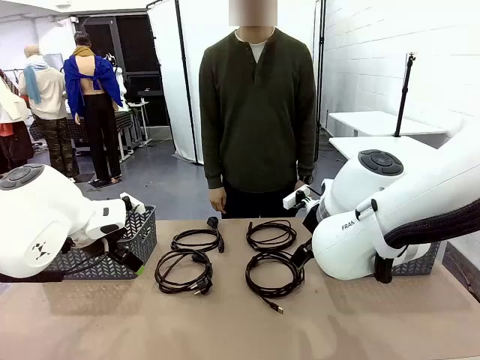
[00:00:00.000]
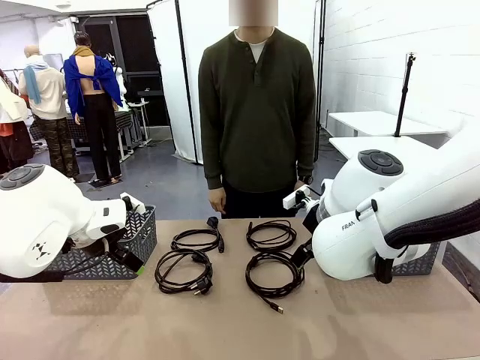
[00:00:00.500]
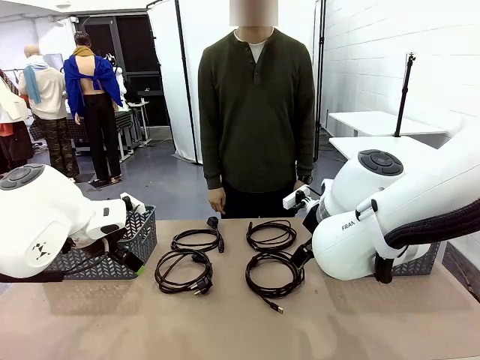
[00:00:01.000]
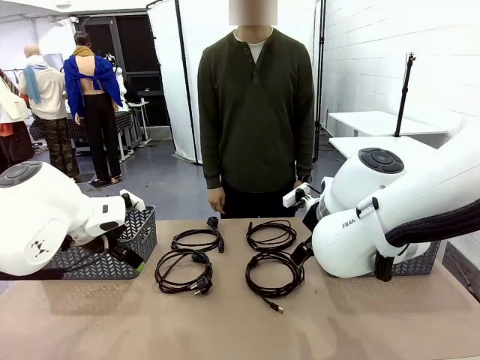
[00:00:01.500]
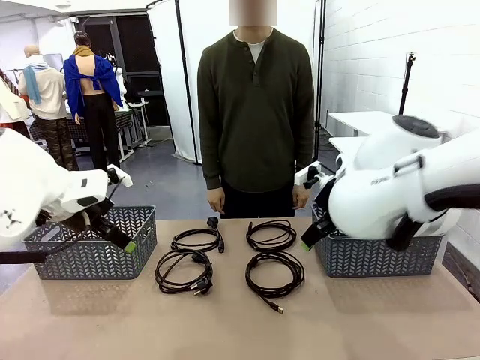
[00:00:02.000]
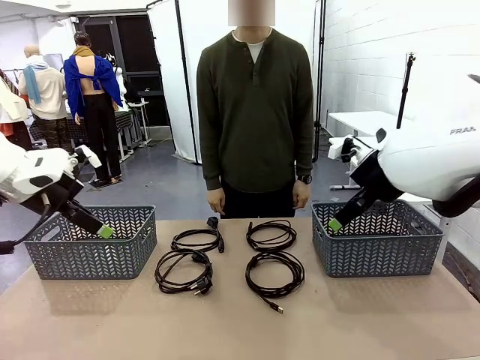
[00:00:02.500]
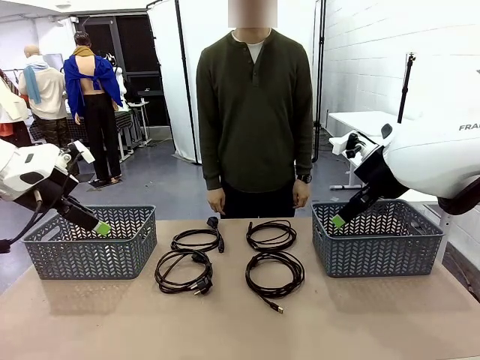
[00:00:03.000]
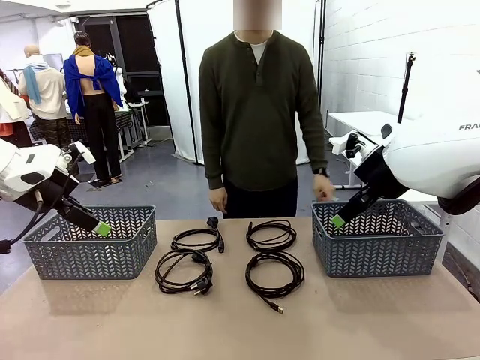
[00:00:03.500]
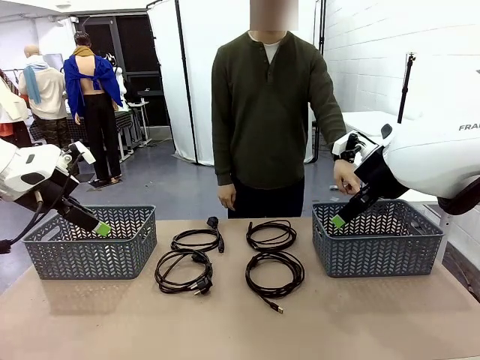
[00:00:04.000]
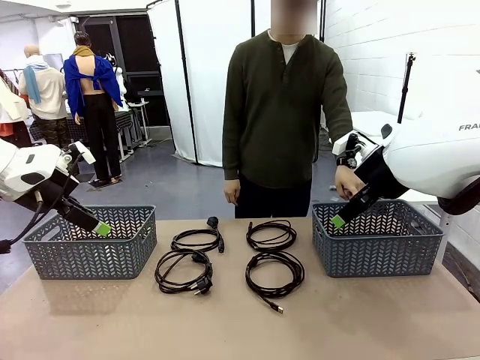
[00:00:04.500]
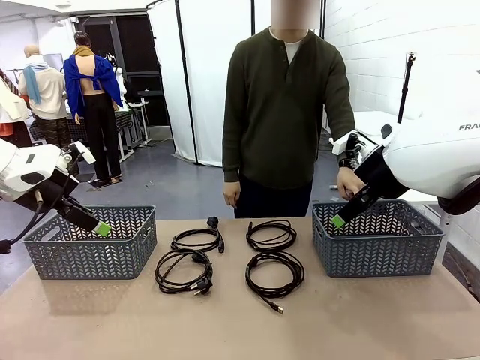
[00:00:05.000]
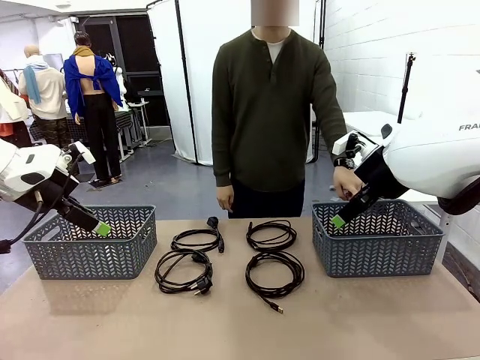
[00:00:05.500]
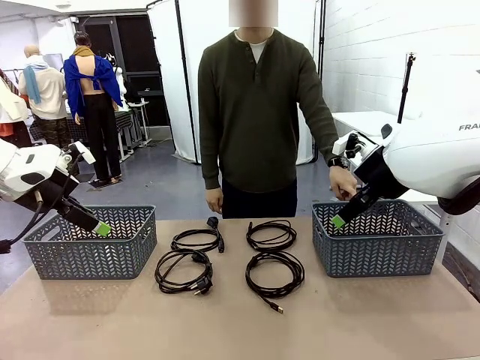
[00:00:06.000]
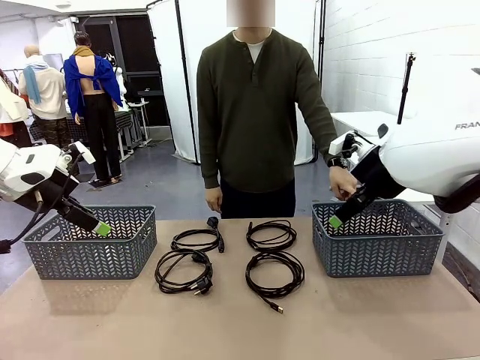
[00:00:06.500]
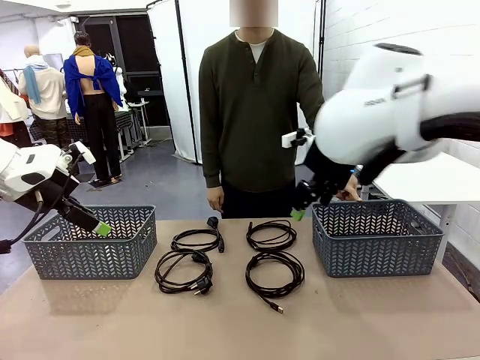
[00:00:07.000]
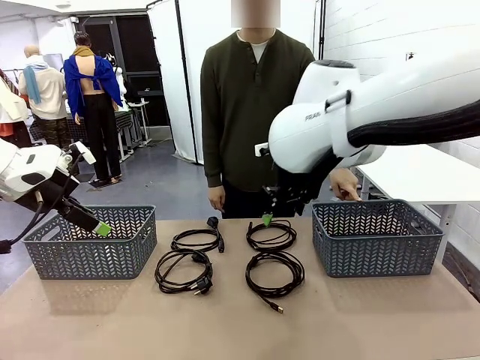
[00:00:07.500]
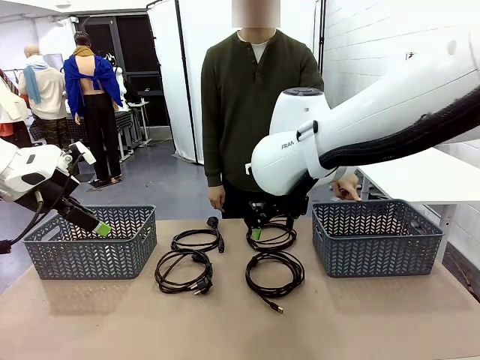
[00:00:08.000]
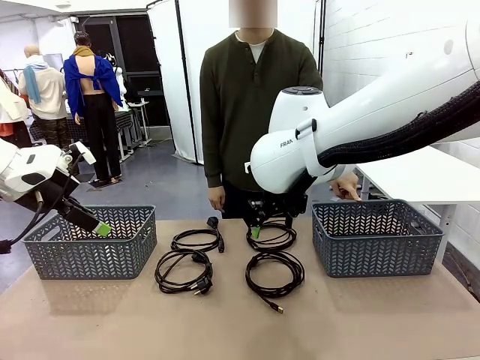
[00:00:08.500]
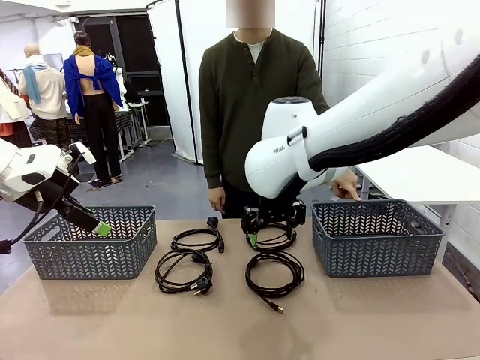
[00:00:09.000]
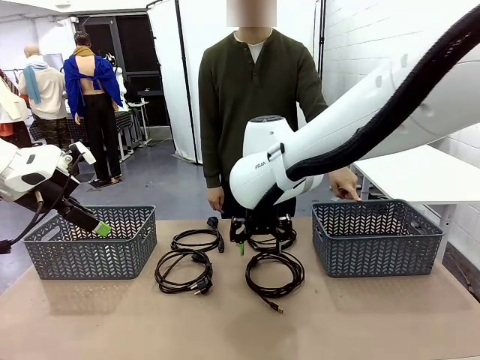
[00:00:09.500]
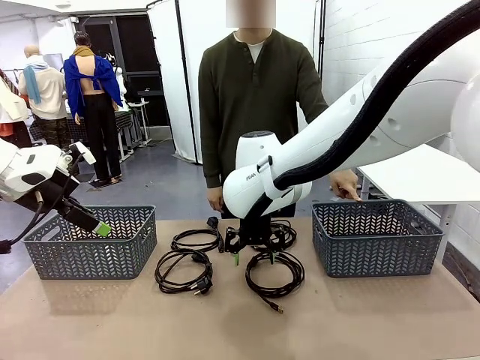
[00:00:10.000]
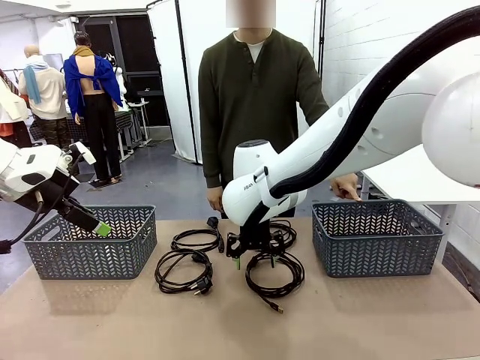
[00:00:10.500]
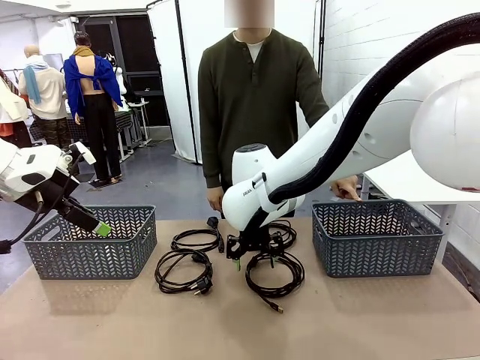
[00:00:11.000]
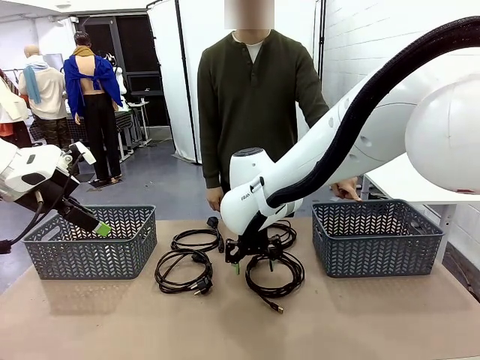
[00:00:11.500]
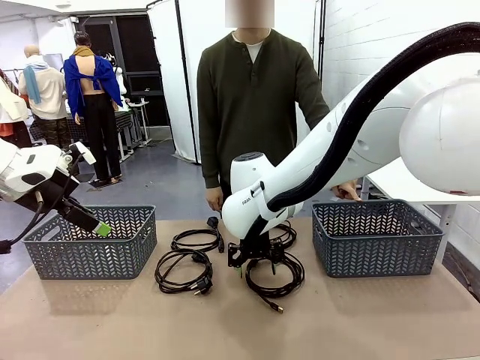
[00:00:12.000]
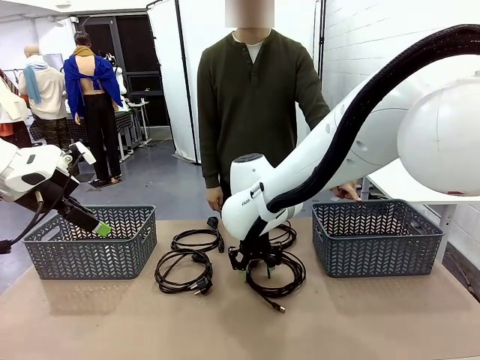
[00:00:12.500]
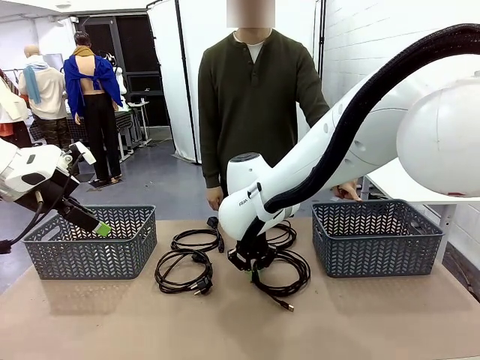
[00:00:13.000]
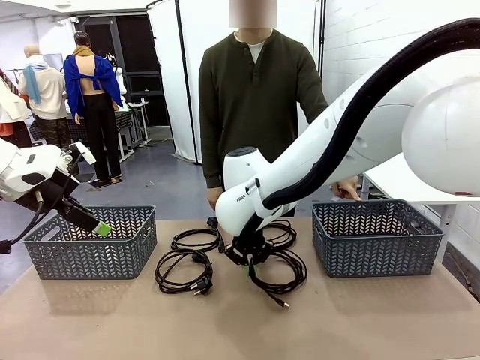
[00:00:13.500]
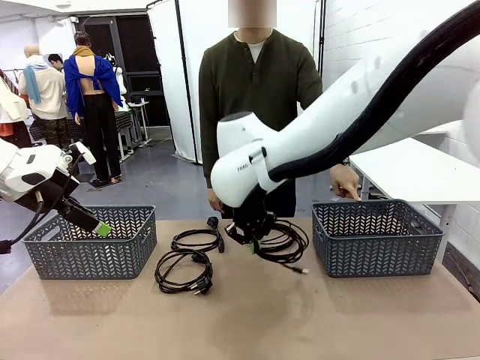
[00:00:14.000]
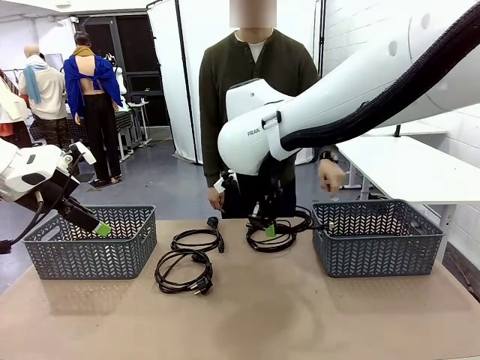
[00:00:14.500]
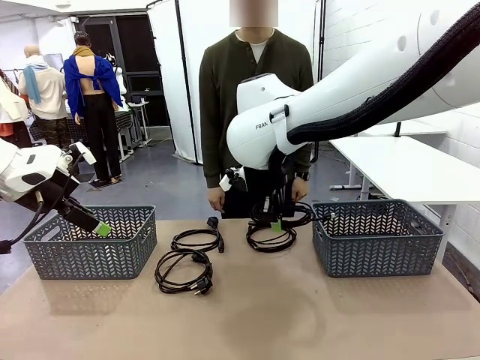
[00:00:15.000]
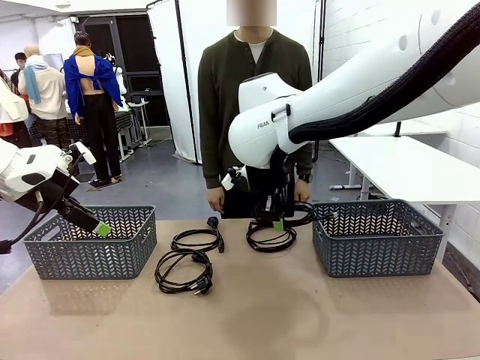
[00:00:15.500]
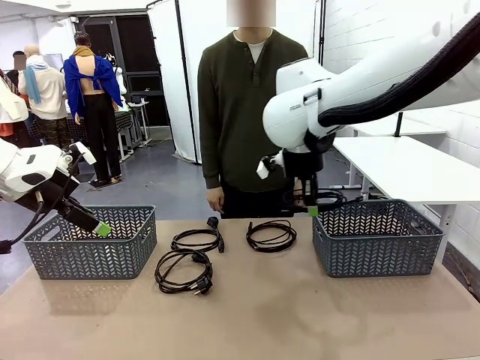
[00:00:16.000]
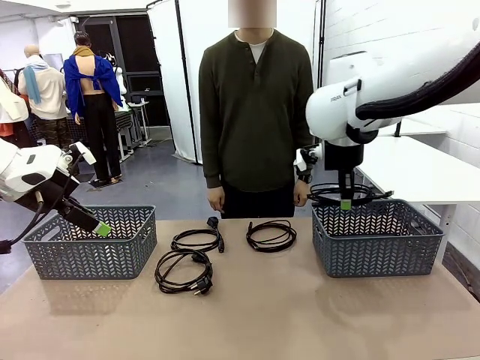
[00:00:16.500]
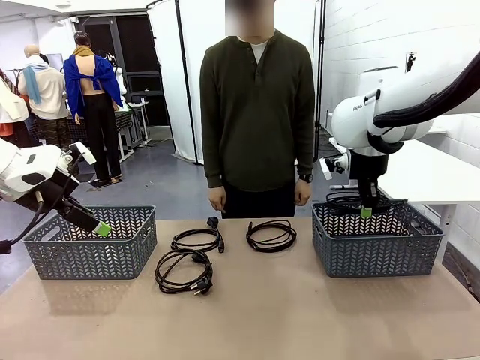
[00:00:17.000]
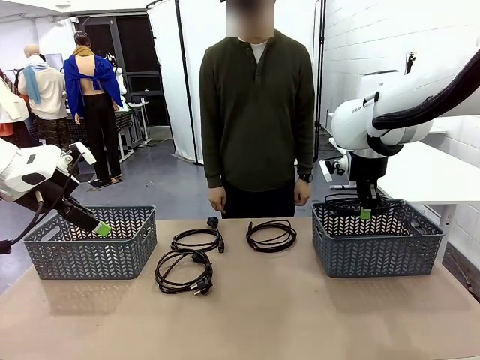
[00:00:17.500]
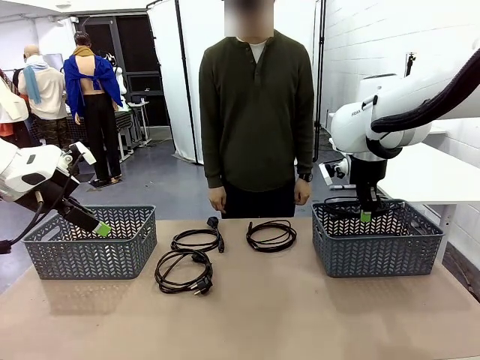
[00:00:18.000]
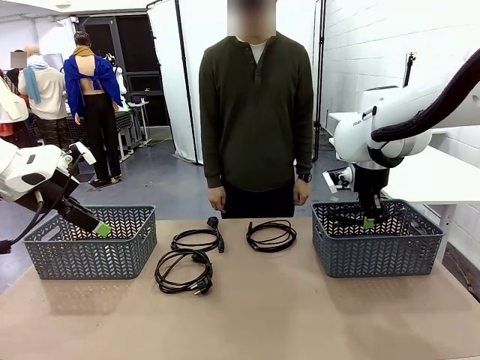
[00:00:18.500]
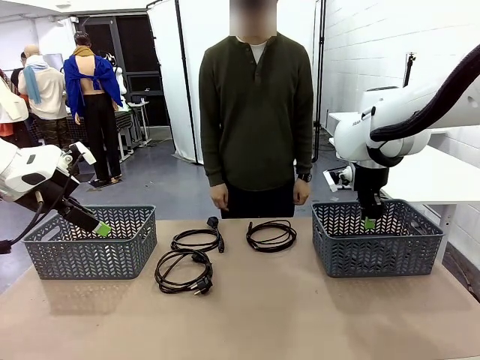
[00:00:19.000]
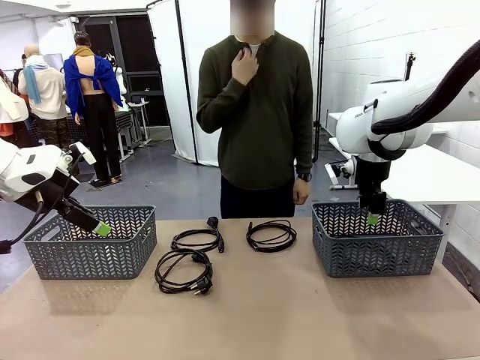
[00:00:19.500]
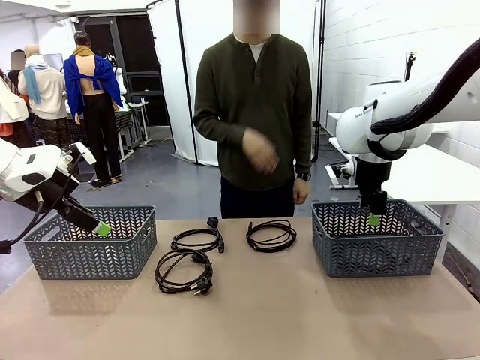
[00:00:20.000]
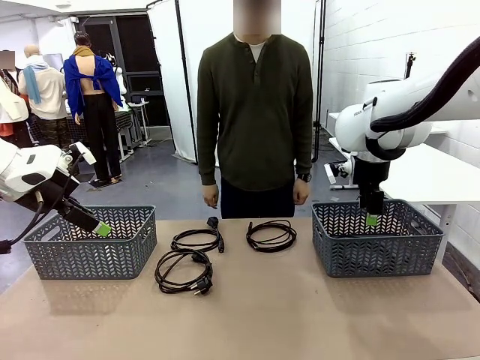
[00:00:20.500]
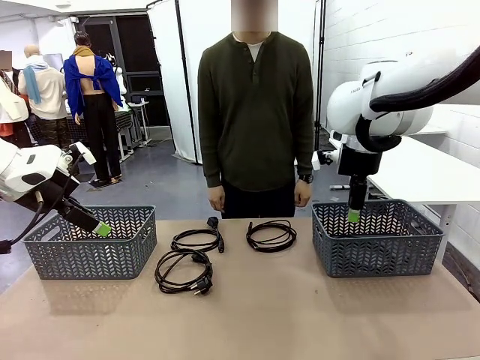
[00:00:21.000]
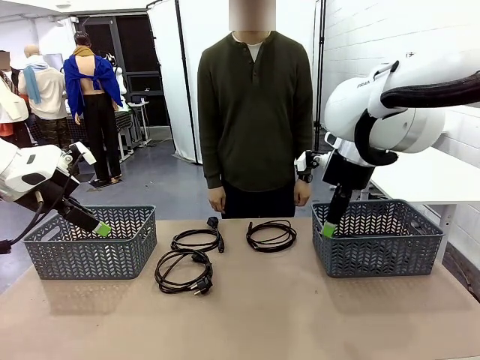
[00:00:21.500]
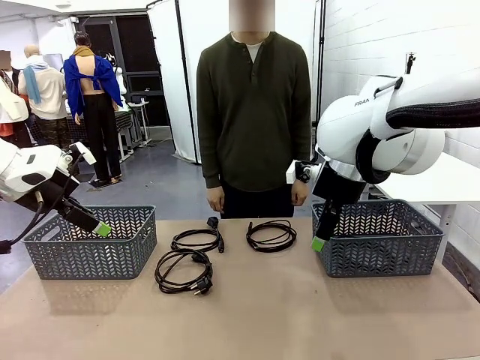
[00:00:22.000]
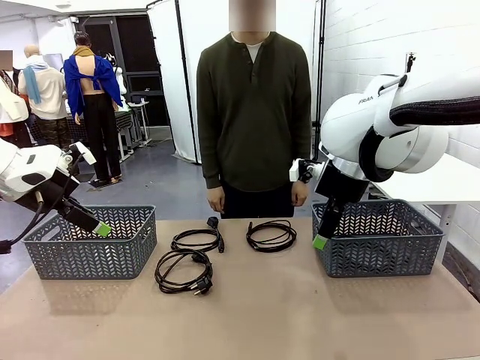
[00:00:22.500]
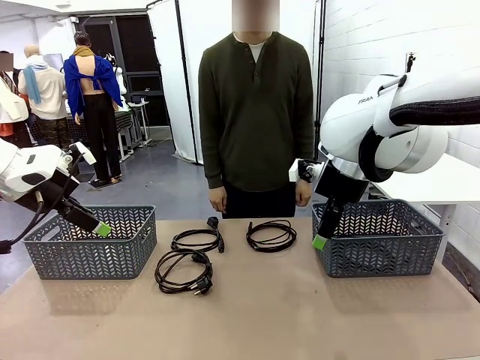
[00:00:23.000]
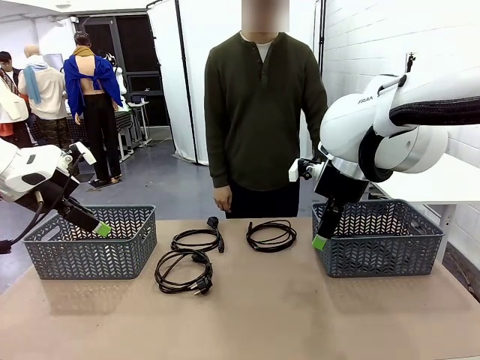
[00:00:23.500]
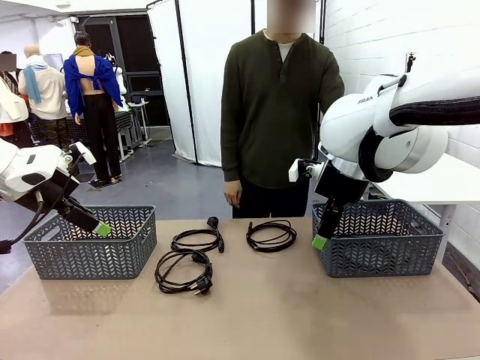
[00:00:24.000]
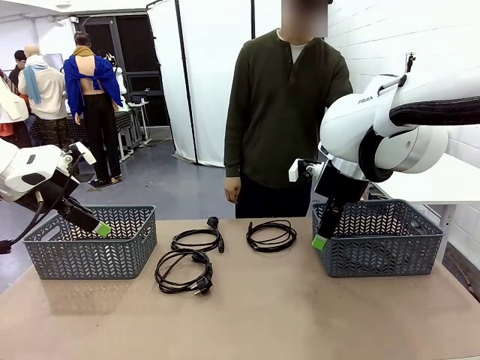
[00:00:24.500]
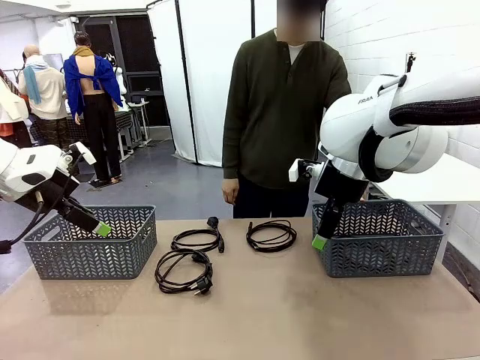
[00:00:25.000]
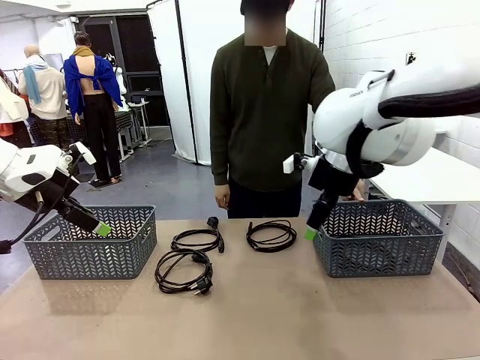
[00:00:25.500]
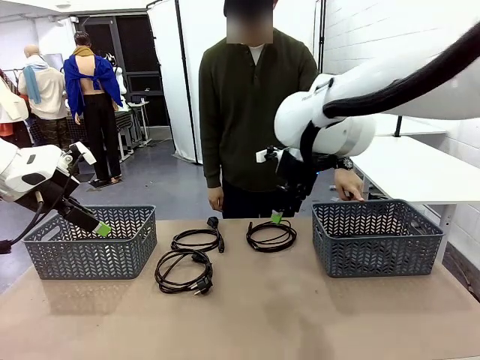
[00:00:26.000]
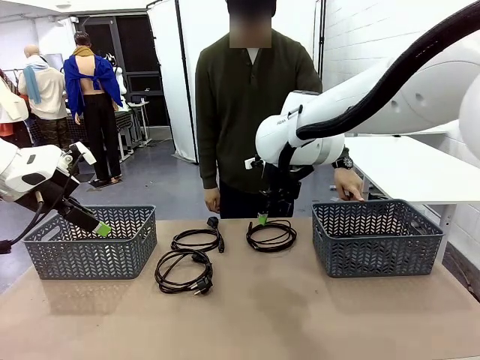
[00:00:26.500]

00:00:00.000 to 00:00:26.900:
Task: Organize the cables according to human instructions.
Robot: Pick up a bundle of cables and place it in the basket indicated by the human.
